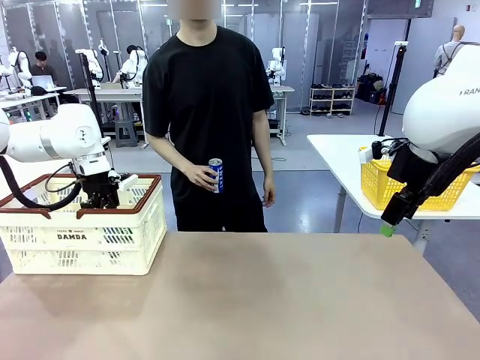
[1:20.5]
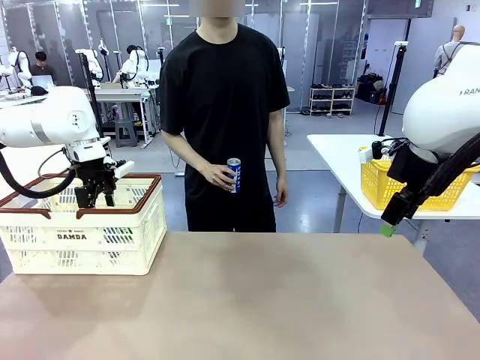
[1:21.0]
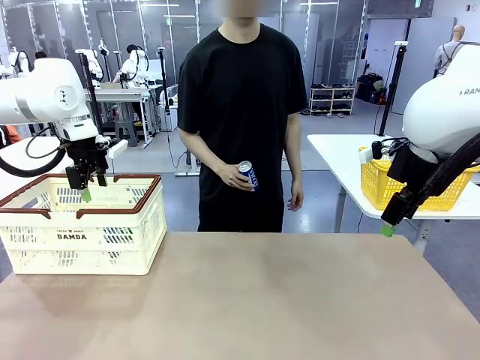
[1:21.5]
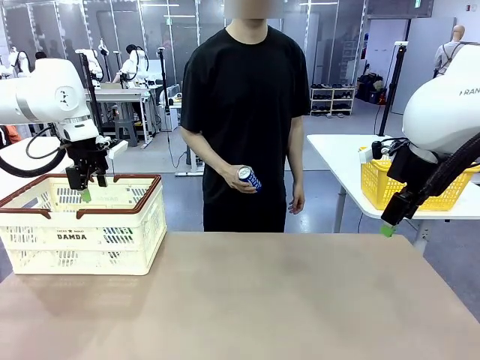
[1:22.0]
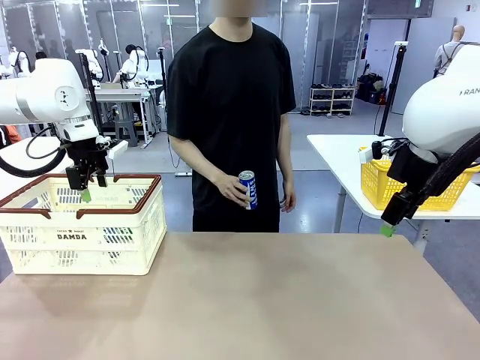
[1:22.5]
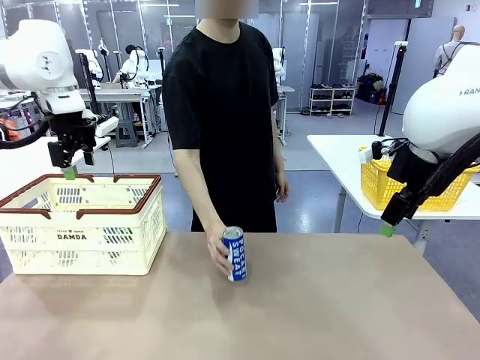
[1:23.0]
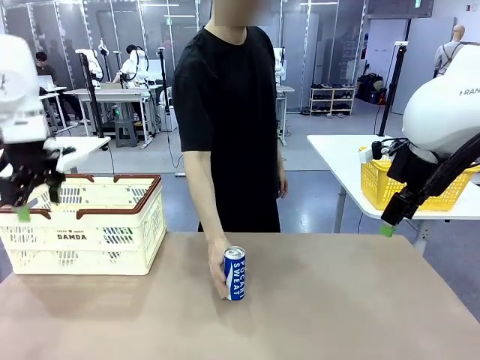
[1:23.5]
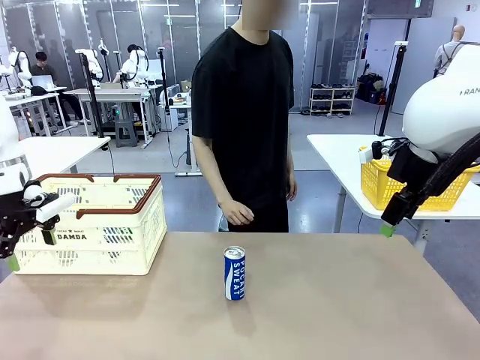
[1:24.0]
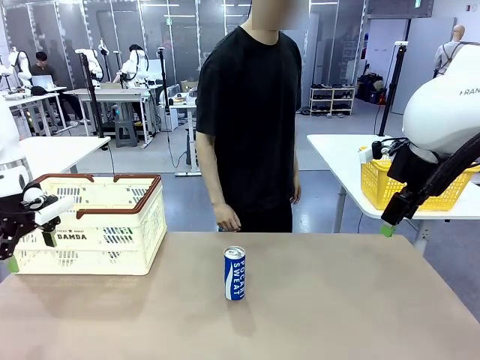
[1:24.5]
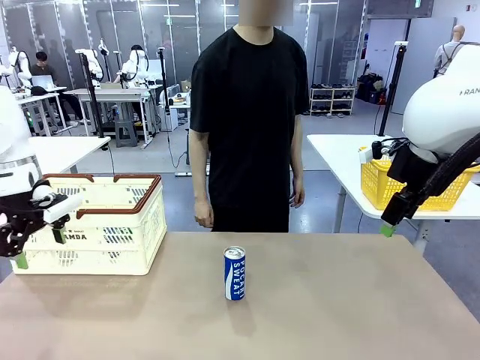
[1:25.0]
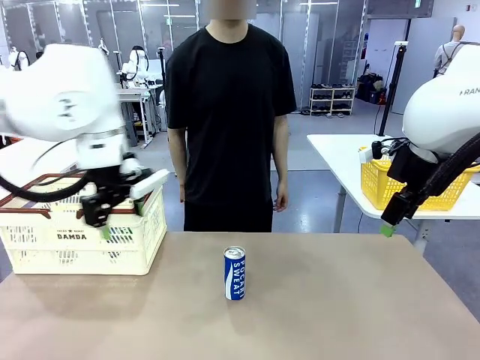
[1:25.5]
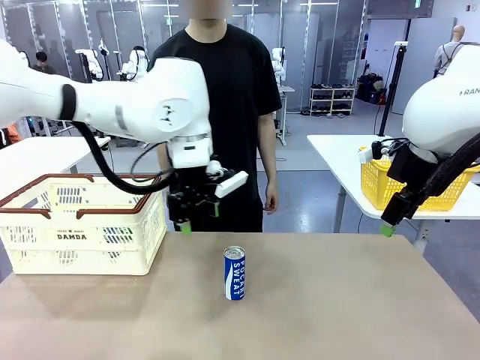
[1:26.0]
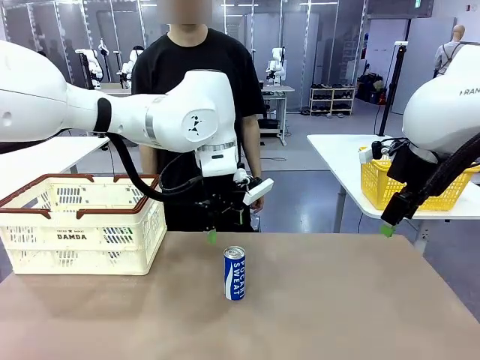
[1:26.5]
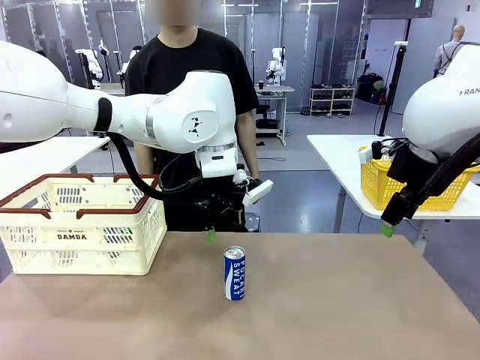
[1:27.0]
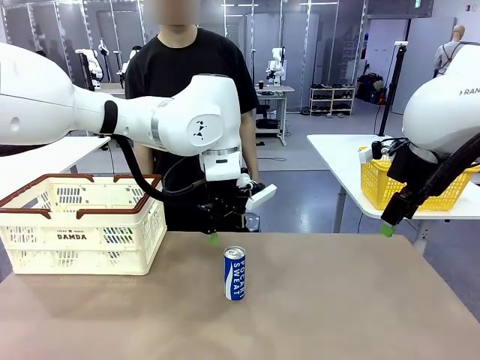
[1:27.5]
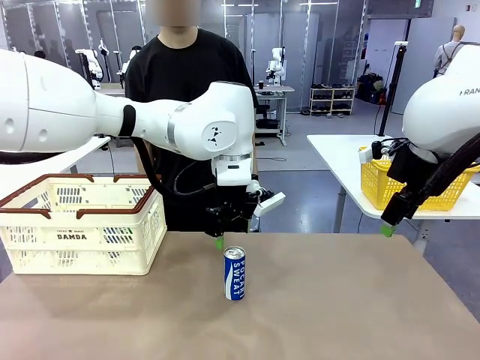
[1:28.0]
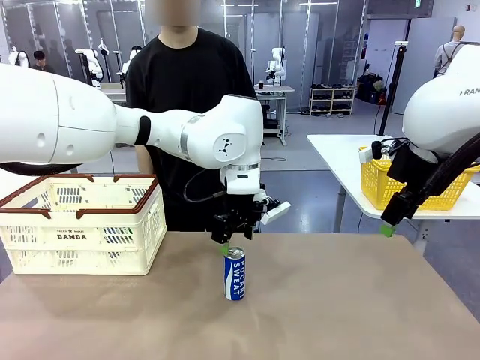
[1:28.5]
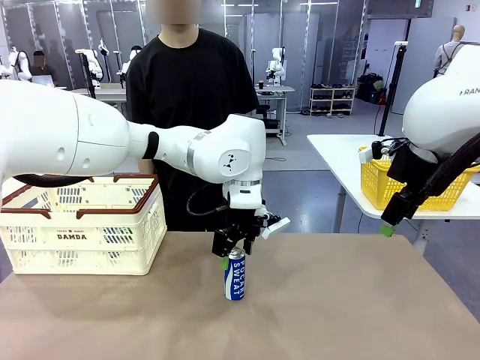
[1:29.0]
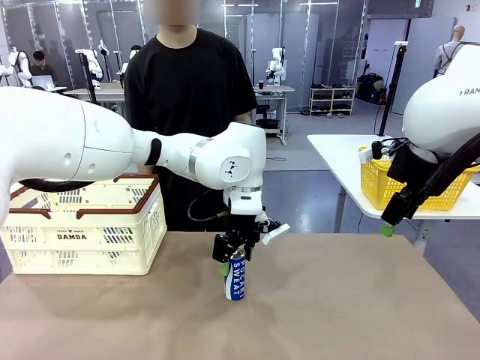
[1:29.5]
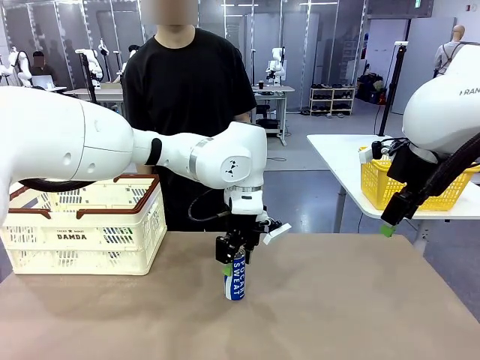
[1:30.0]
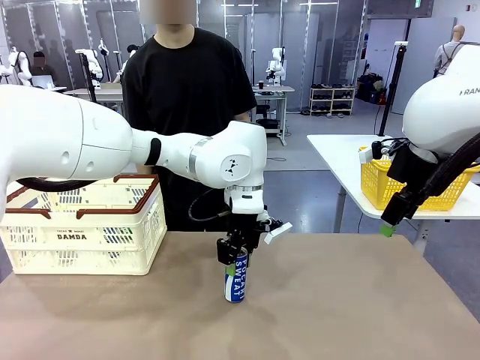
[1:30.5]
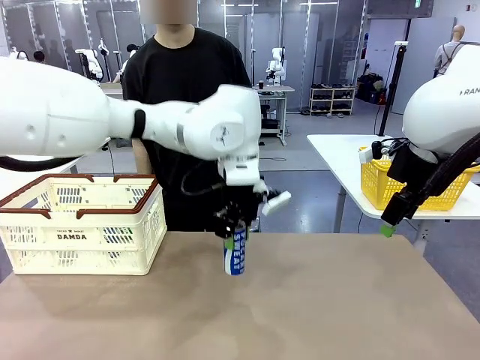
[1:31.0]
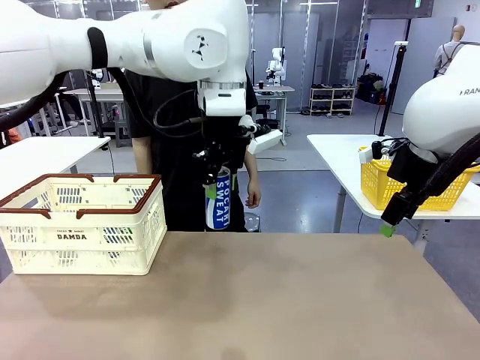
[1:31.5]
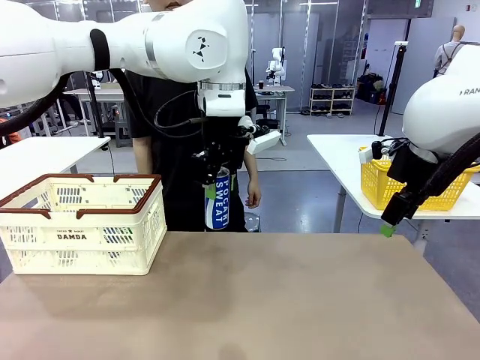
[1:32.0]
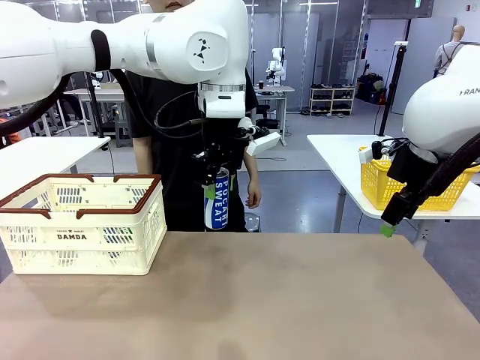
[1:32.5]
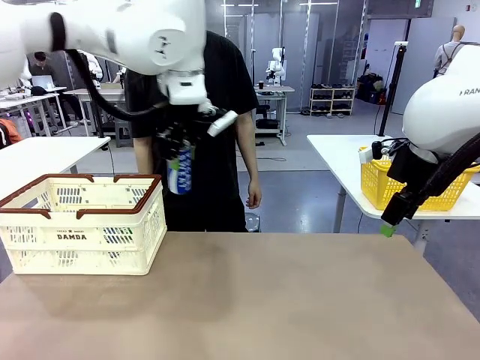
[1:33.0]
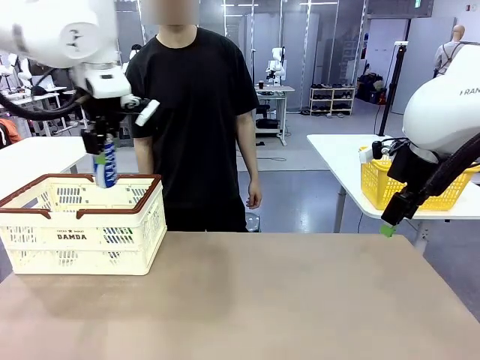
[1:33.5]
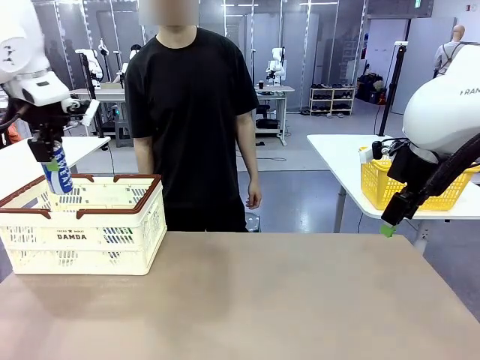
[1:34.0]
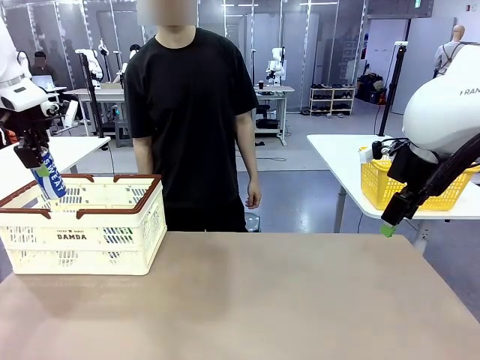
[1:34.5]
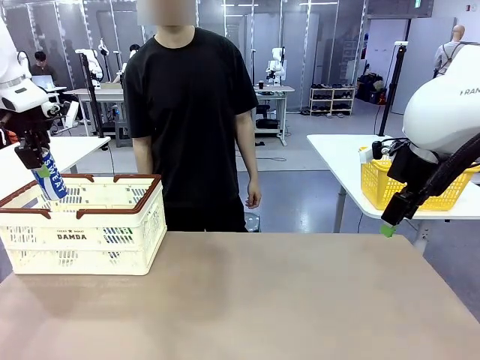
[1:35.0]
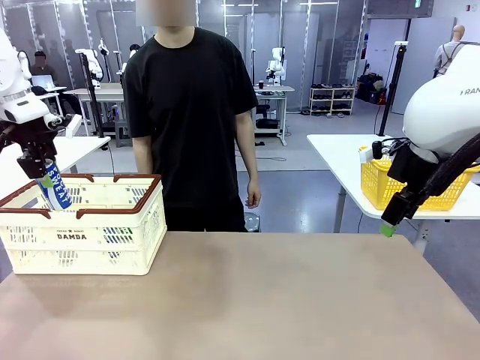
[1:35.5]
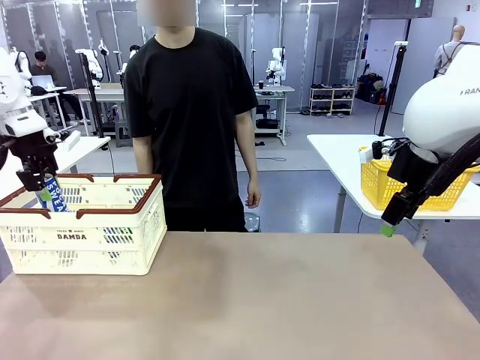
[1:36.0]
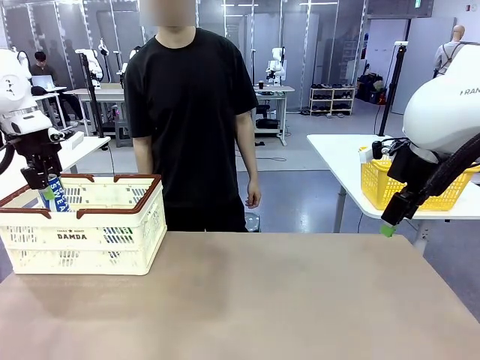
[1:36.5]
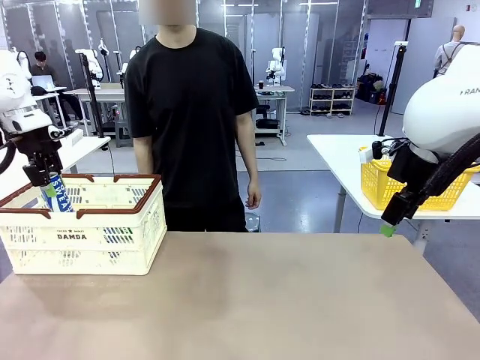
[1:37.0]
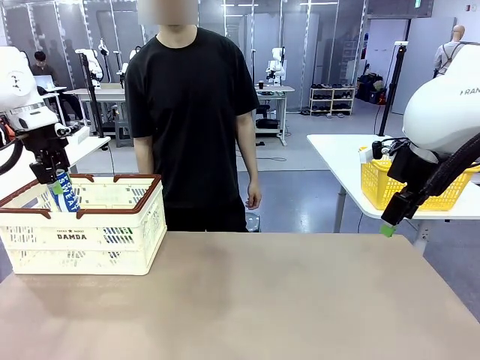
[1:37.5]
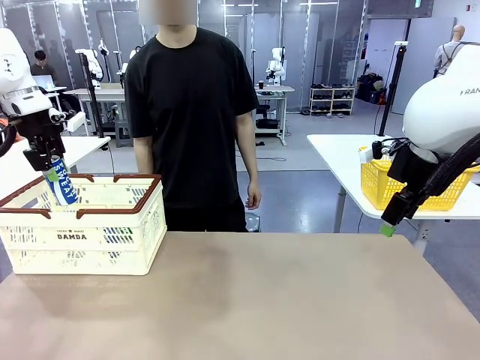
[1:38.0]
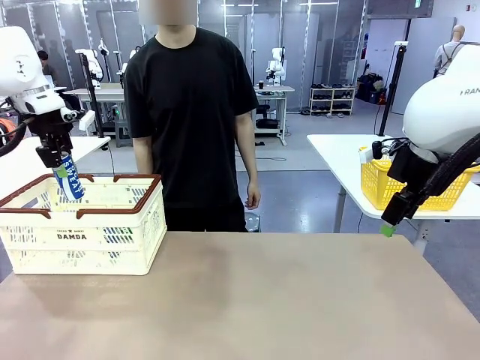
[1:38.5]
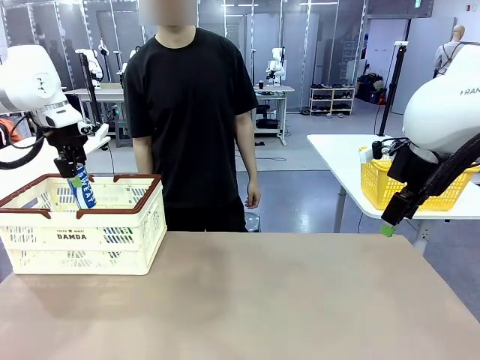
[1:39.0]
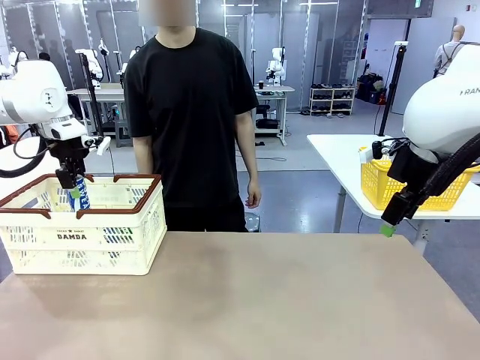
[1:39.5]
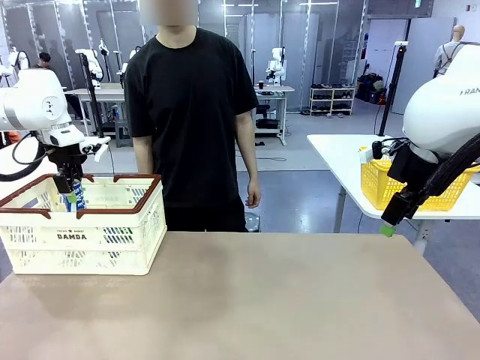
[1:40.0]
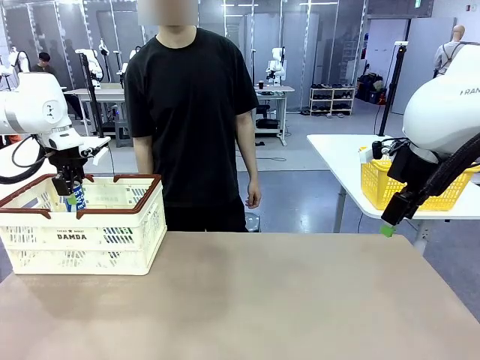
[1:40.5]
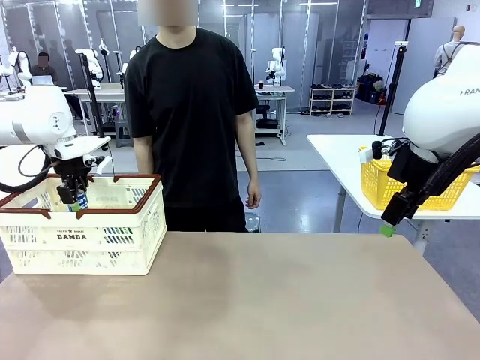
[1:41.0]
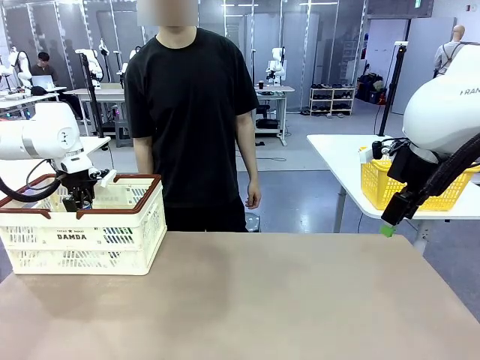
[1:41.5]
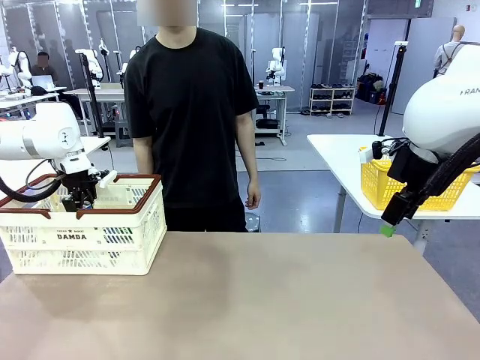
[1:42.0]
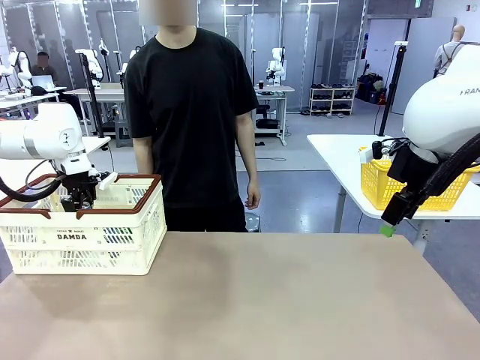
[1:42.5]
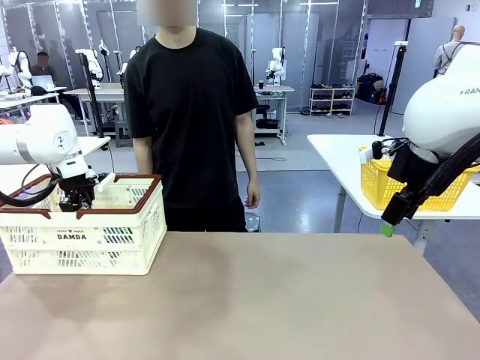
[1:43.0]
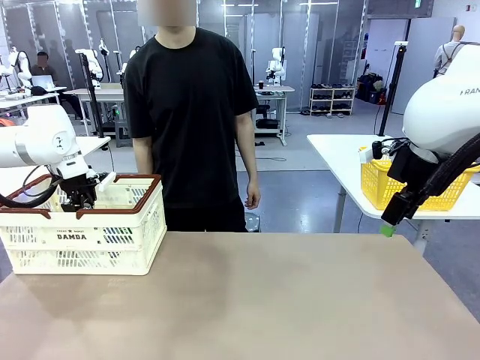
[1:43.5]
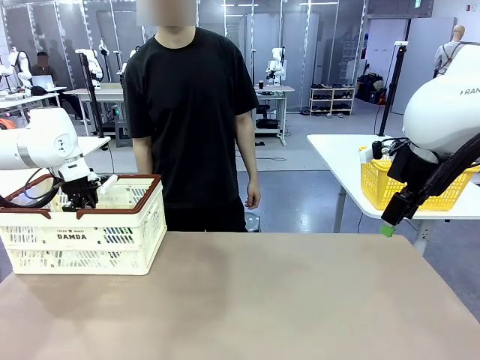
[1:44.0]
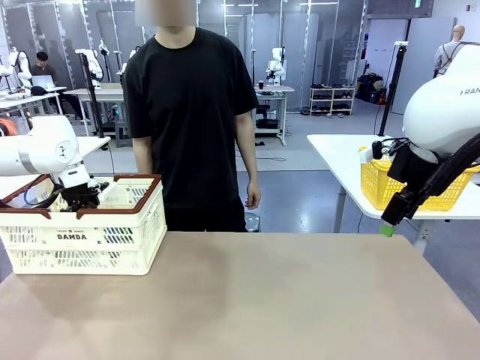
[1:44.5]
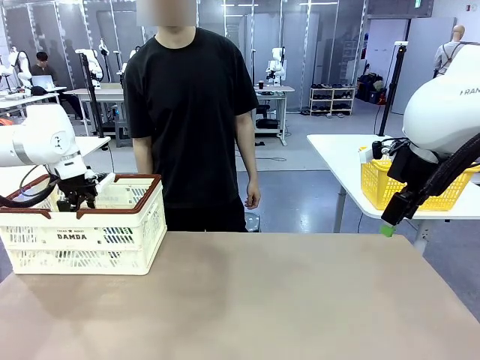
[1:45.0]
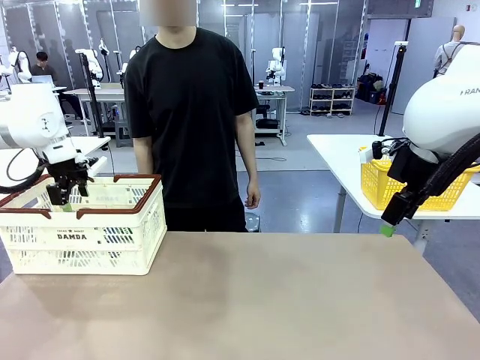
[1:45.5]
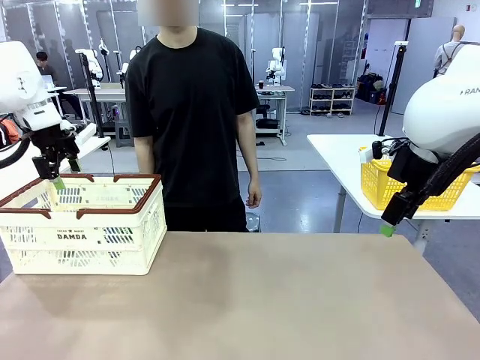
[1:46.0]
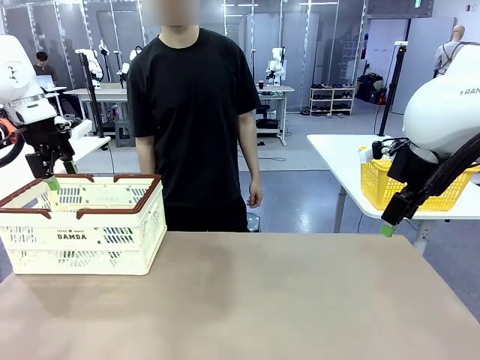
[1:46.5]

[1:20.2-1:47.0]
Task: Place the drinks into the Shopping basket.
Robot: Pick up one drink and place it into the Shopping basket.
